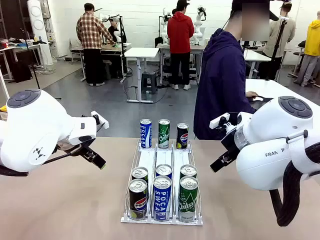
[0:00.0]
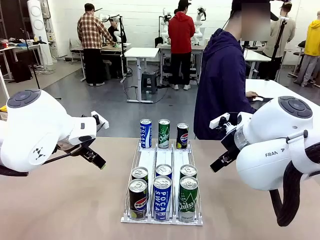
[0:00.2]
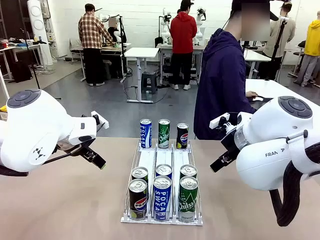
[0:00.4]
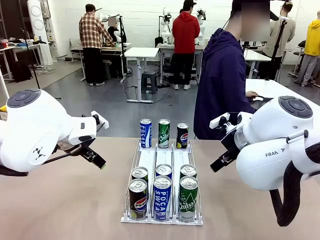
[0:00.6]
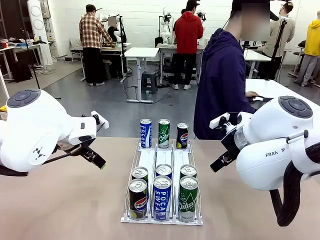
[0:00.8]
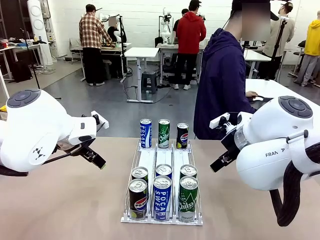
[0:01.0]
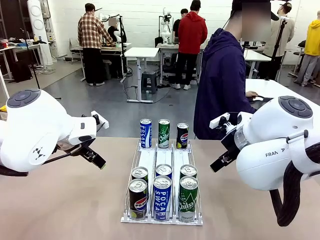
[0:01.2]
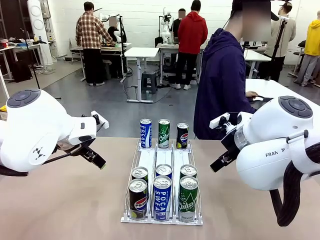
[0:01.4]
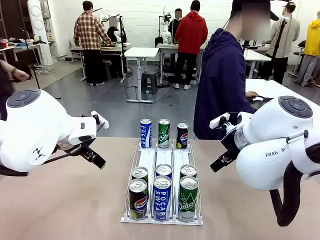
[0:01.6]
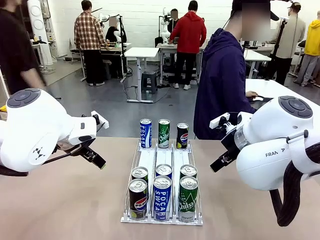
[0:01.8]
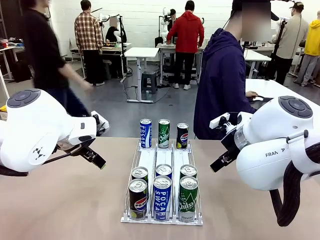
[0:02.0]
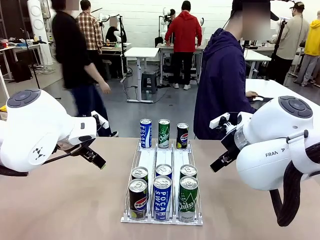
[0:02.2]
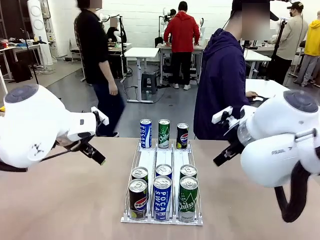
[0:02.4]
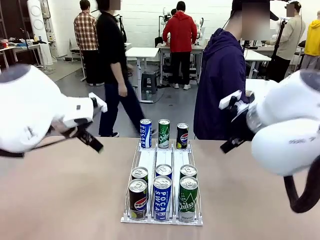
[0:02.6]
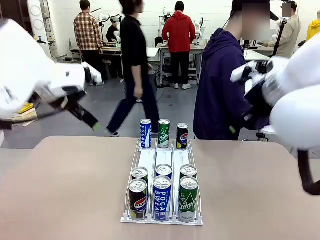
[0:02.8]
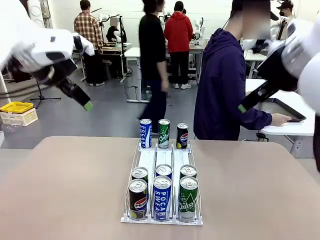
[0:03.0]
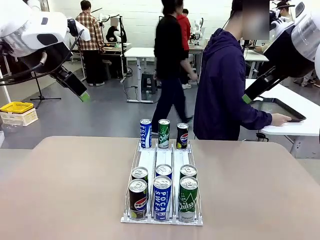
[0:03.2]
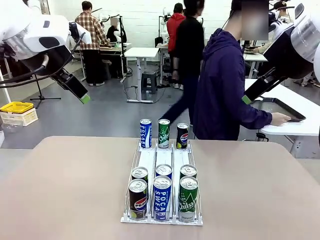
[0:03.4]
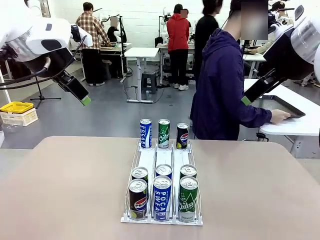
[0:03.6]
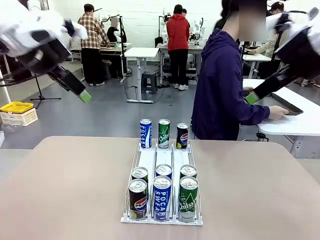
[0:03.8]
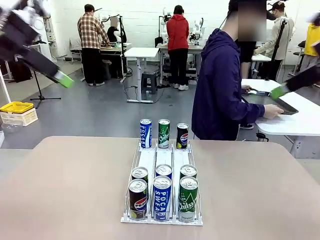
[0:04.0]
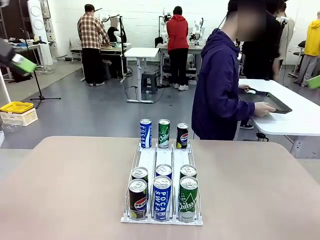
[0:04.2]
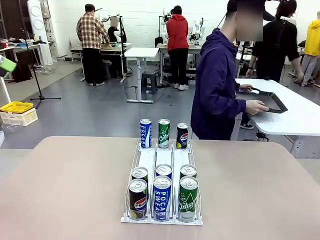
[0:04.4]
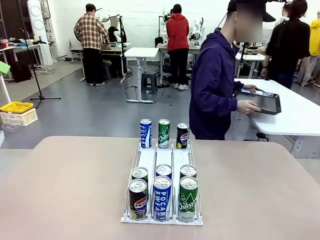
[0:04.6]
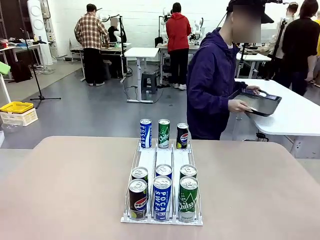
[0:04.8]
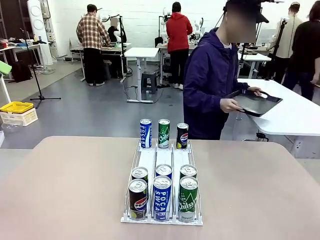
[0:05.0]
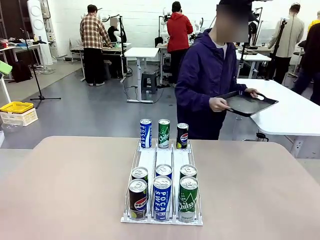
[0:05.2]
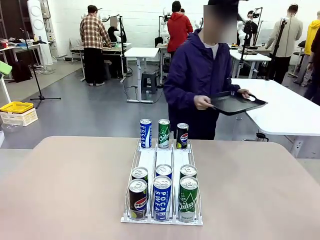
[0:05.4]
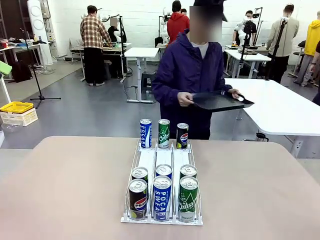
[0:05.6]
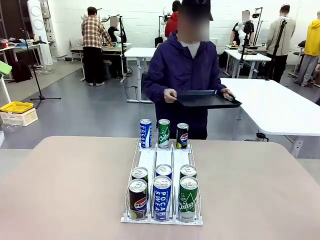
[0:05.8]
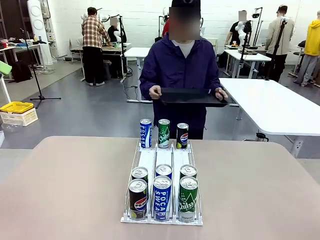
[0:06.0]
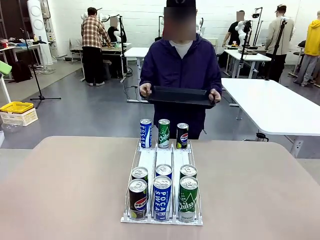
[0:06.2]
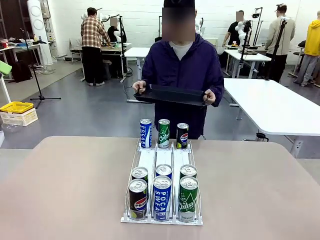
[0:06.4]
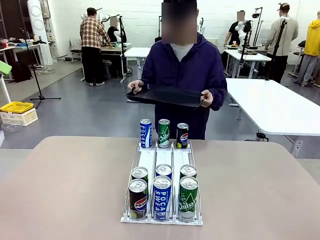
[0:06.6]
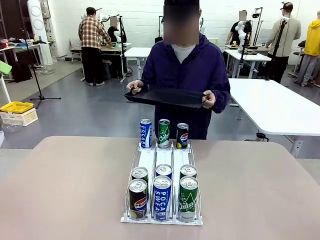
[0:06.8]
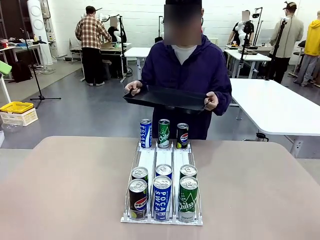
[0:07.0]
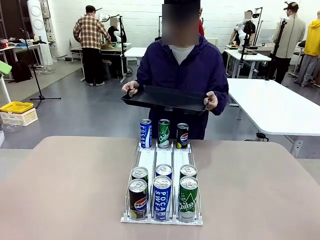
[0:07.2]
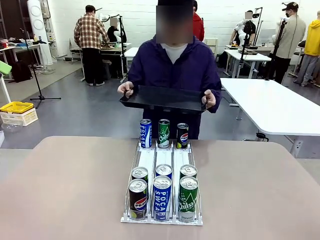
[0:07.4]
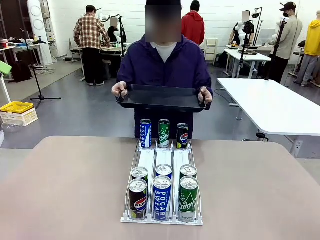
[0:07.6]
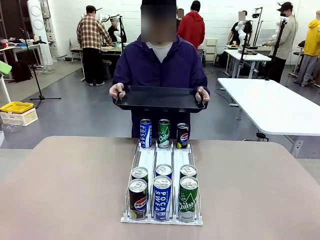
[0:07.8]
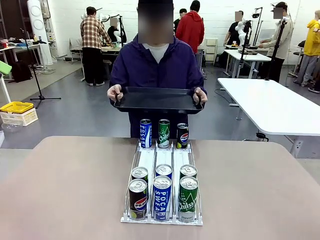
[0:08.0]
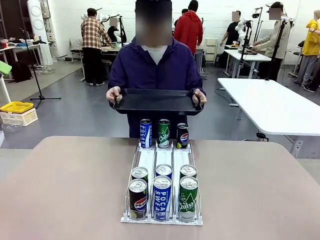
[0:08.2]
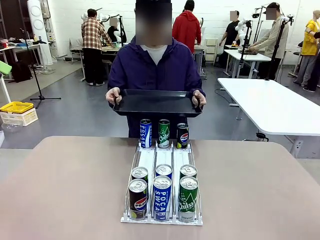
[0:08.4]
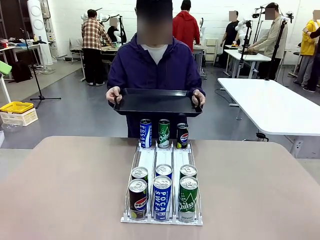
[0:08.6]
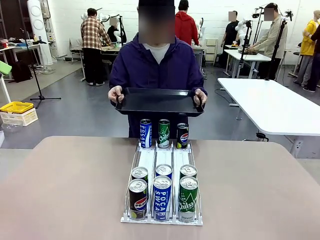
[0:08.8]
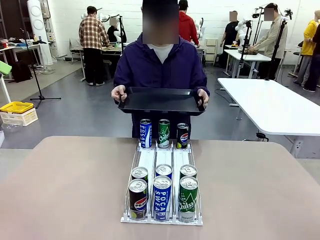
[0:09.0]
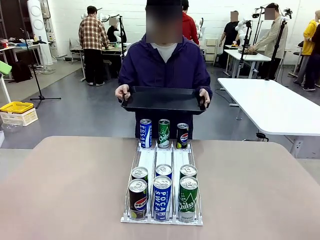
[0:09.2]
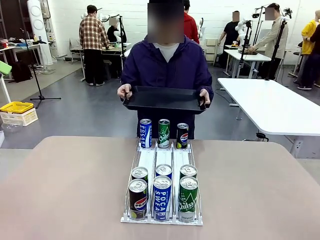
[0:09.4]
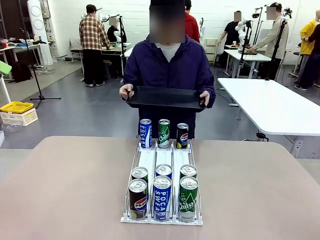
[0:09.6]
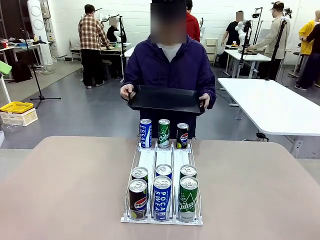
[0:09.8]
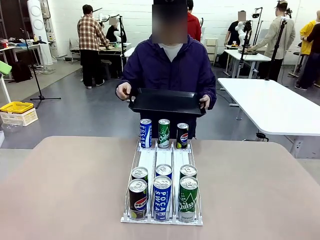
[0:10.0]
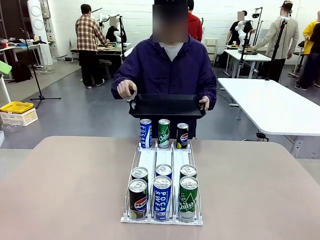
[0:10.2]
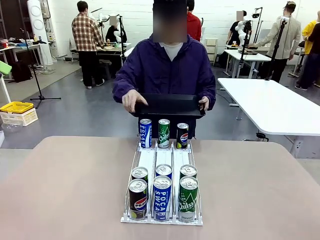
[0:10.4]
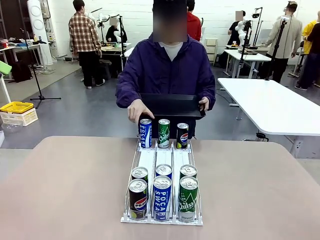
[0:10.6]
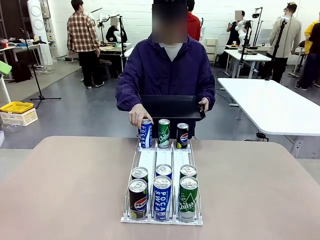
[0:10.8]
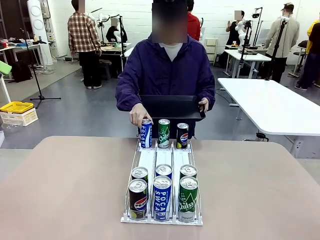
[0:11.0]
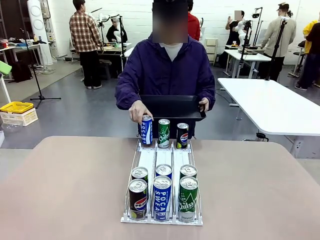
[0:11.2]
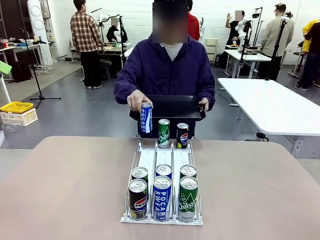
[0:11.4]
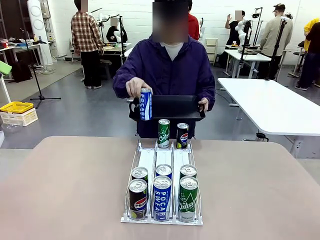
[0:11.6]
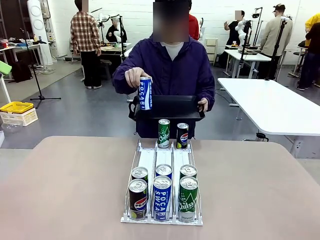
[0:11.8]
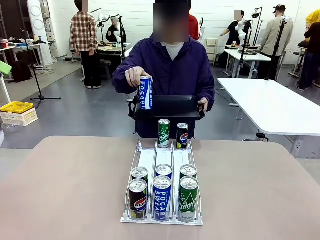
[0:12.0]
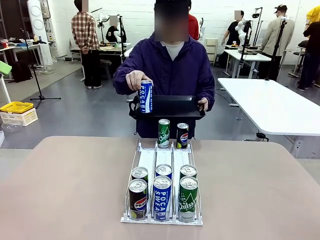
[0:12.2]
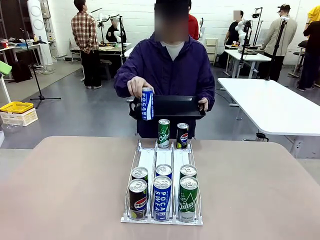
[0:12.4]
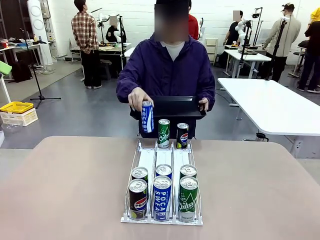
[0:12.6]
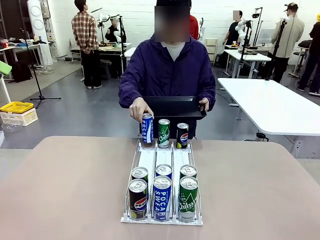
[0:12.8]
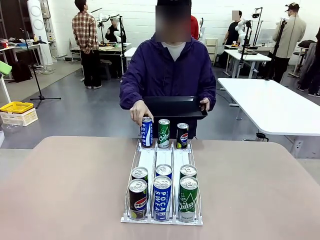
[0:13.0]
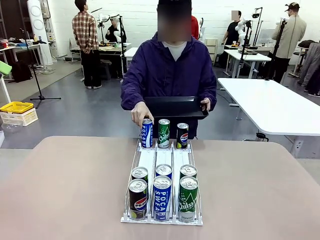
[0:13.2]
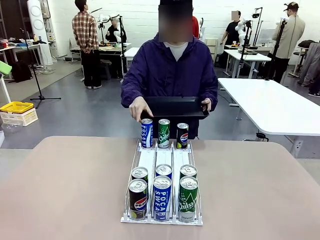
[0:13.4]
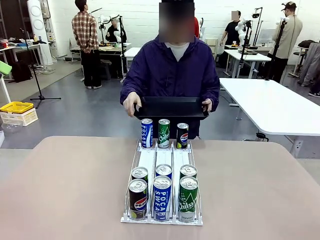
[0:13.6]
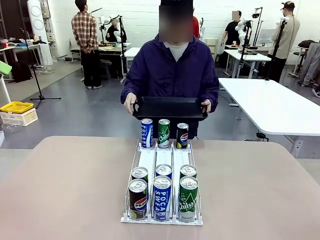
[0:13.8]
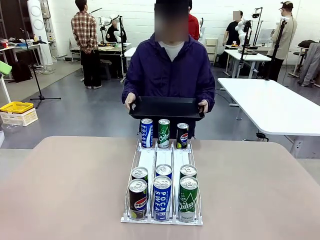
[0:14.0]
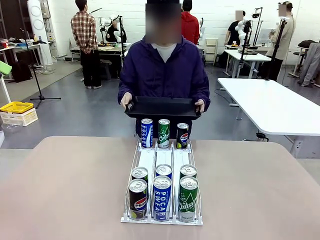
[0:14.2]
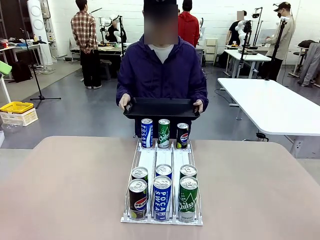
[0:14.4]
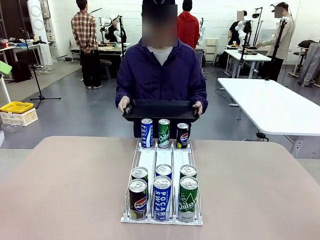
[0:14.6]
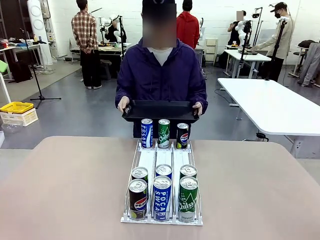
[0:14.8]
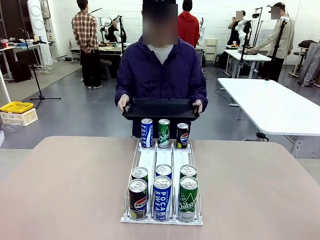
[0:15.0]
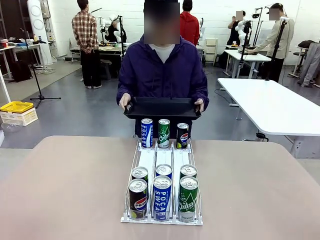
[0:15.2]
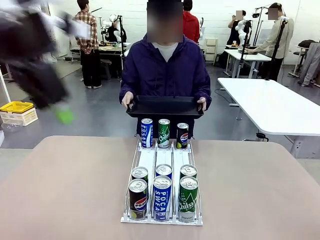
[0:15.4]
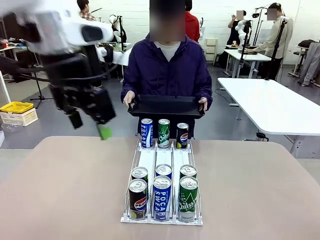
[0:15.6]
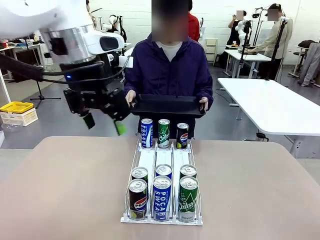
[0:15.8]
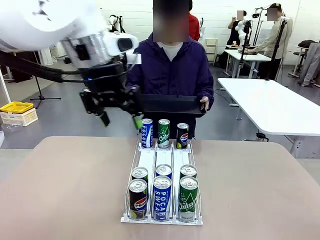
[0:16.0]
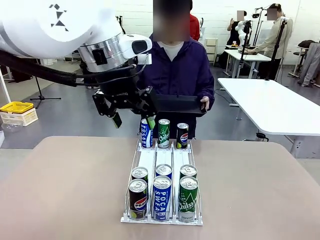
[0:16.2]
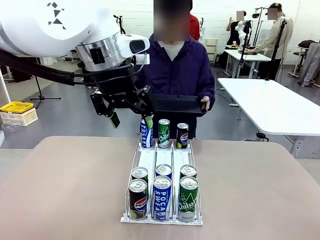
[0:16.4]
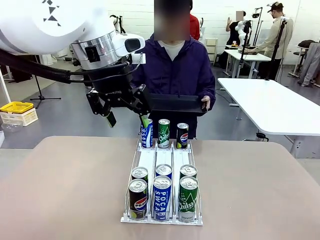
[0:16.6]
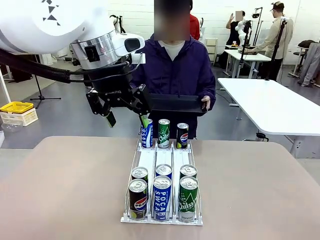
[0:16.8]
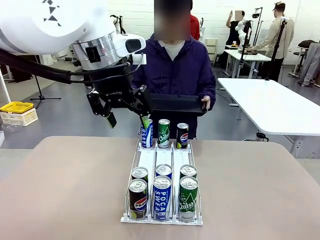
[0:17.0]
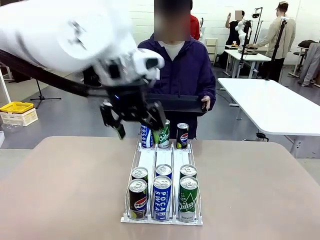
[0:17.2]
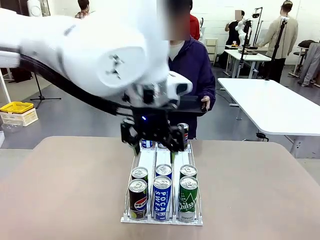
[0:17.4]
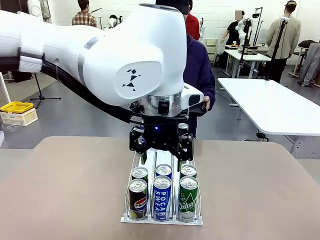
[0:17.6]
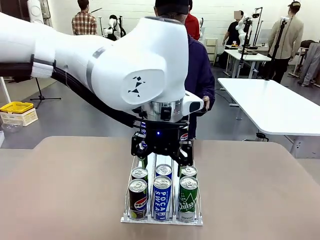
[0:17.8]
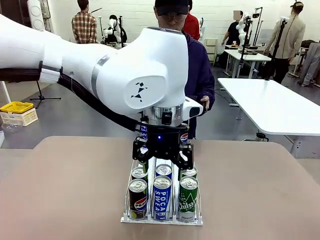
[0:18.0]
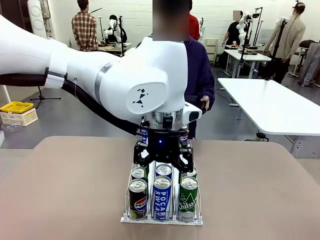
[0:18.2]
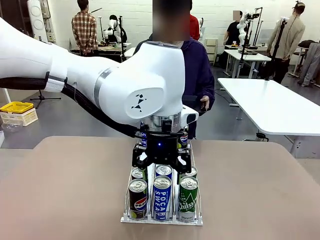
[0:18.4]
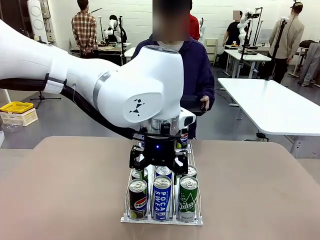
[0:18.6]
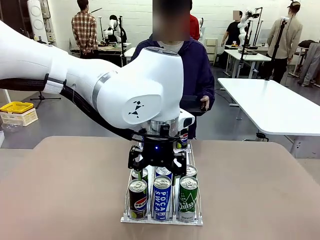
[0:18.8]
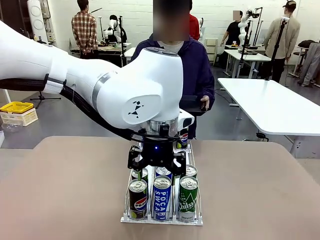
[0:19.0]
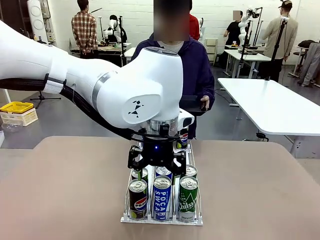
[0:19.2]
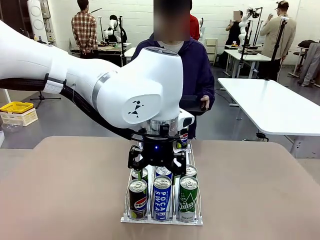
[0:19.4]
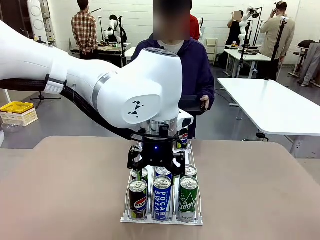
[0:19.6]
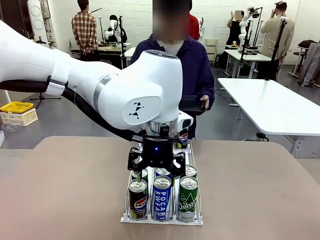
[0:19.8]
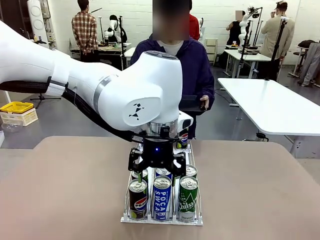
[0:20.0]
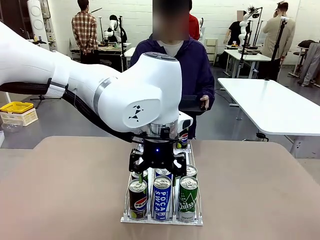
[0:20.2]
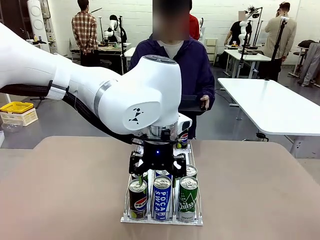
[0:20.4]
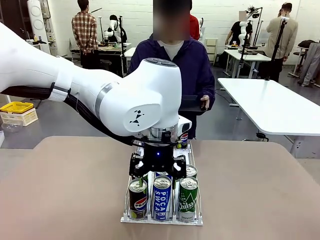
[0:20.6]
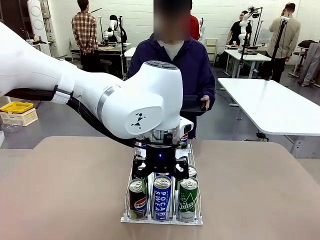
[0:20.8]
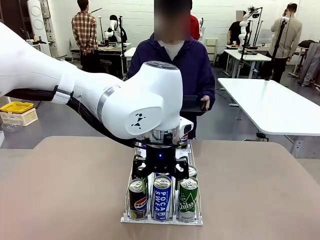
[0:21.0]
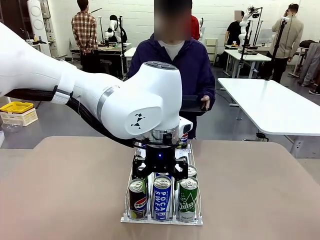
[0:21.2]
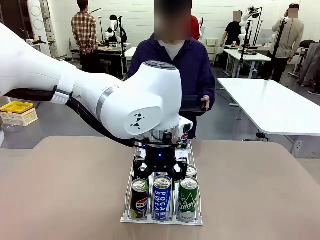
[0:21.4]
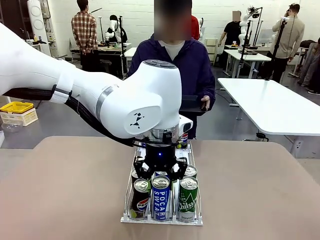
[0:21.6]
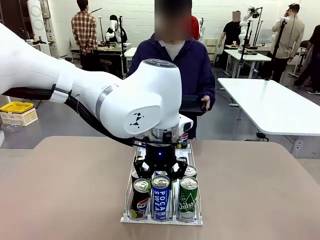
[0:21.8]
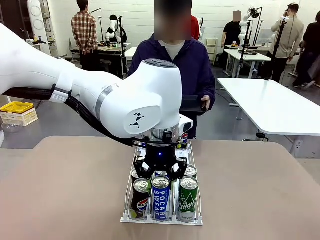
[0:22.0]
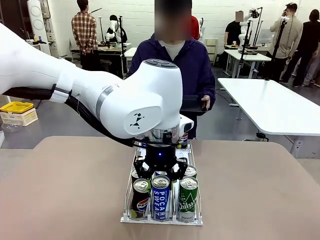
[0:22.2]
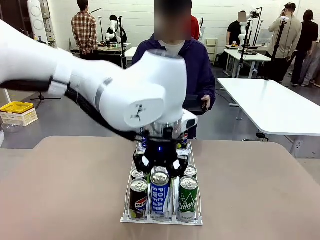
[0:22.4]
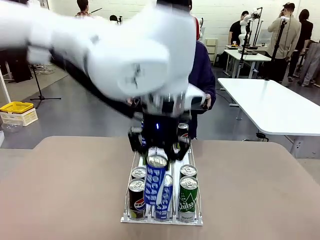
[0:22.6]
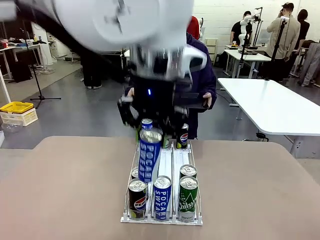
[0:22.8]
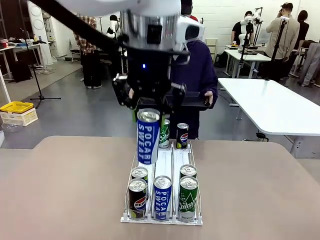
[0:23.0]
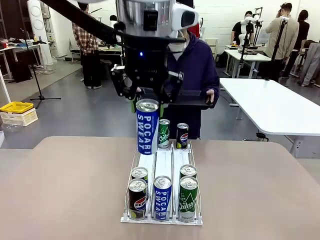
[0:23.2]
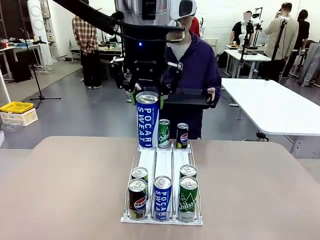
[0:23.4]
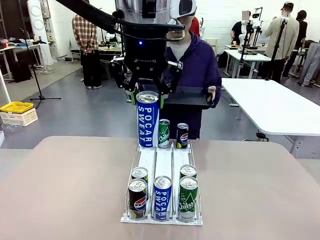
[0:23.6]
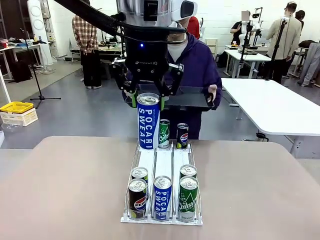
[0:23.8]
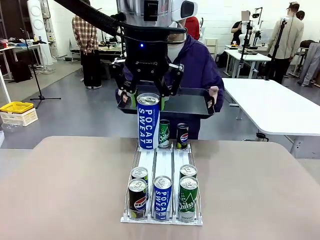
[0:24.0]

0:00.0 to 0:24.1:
Task: Retrieve and hand over the desired beverage to the person.
Robot: Pick up a can of the same type that the person held from the Automatic Can Dispenser.
Person: Hold the tray and position yourself in front of the robot table. Pick up one can from the bottom area of the table and puts it back in its original place. Push the tray toward the robot.
